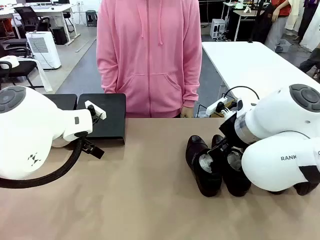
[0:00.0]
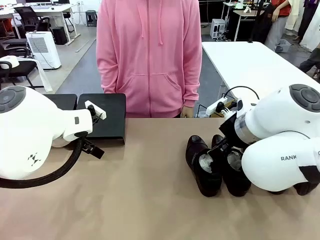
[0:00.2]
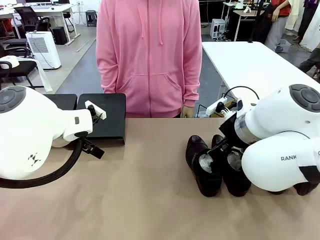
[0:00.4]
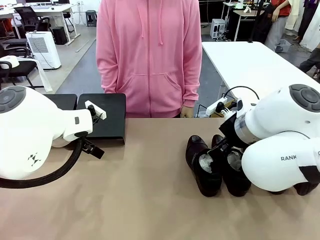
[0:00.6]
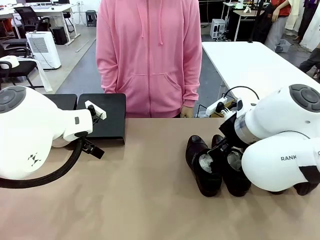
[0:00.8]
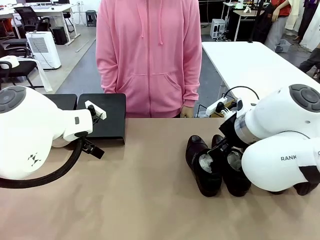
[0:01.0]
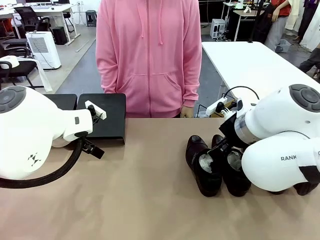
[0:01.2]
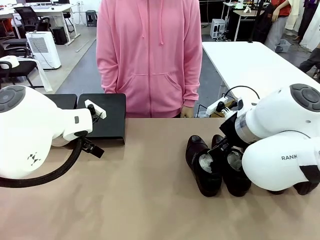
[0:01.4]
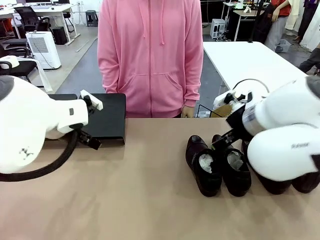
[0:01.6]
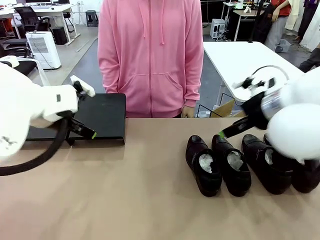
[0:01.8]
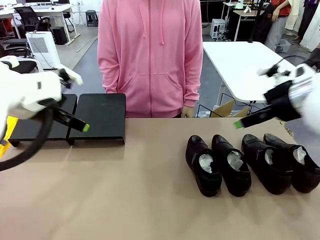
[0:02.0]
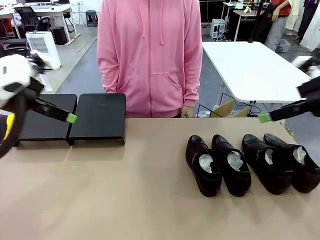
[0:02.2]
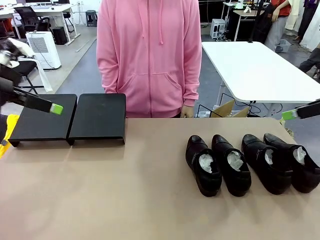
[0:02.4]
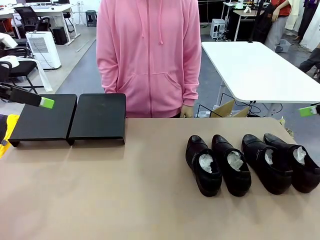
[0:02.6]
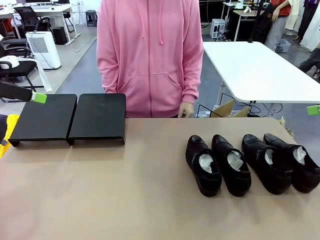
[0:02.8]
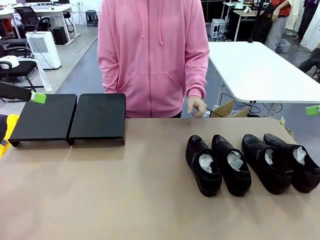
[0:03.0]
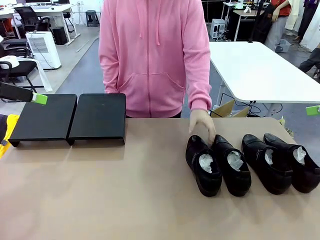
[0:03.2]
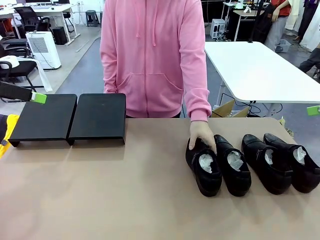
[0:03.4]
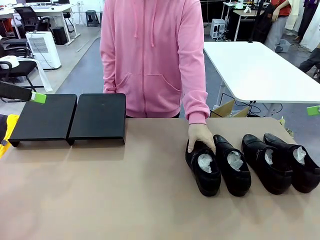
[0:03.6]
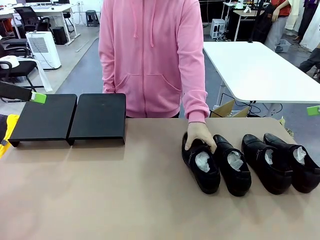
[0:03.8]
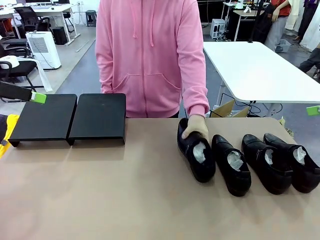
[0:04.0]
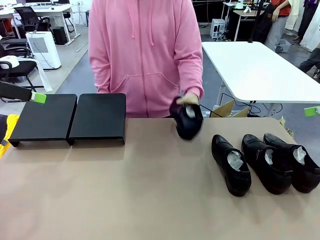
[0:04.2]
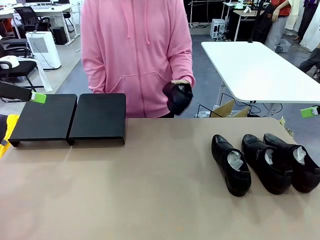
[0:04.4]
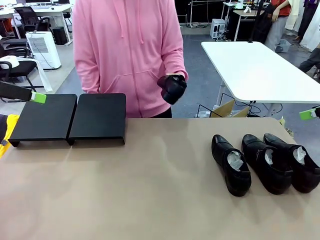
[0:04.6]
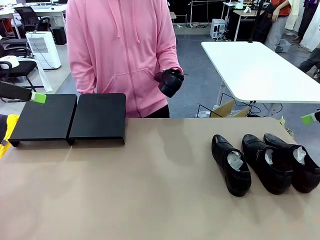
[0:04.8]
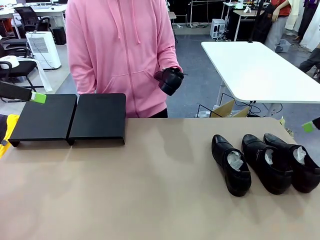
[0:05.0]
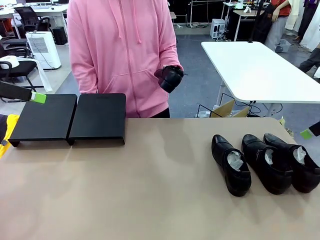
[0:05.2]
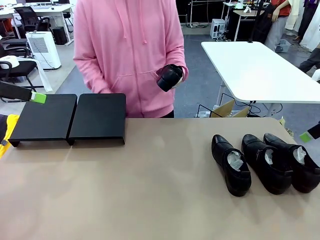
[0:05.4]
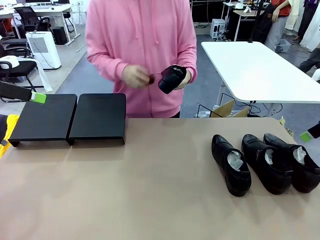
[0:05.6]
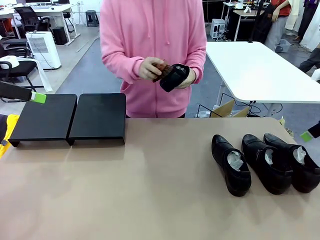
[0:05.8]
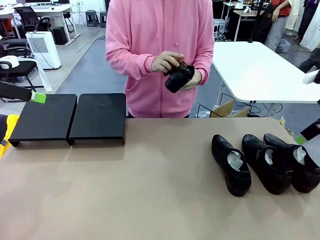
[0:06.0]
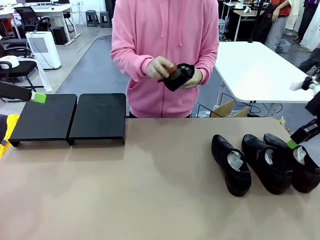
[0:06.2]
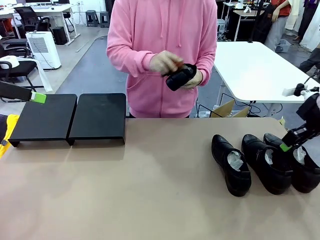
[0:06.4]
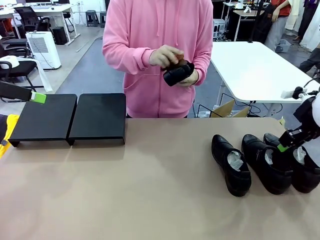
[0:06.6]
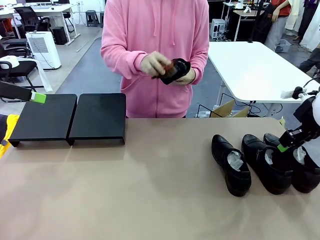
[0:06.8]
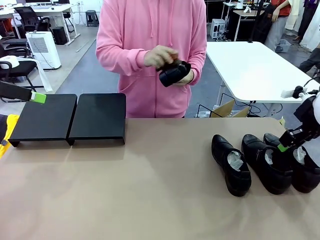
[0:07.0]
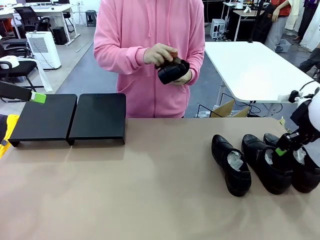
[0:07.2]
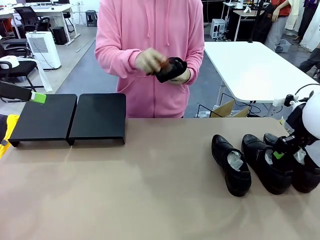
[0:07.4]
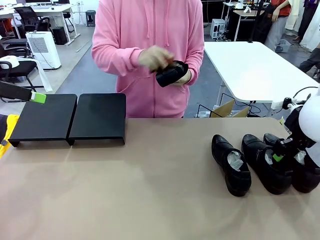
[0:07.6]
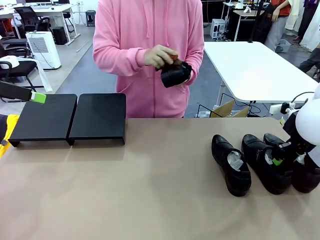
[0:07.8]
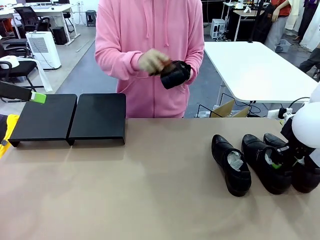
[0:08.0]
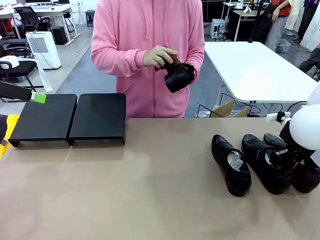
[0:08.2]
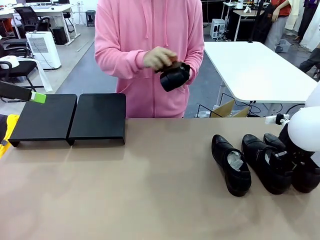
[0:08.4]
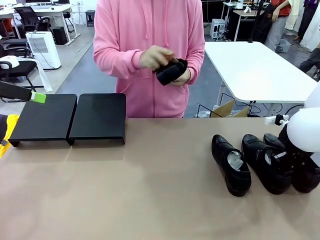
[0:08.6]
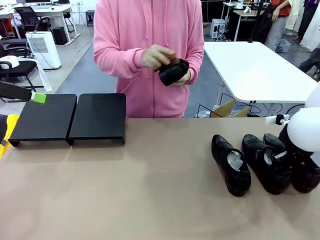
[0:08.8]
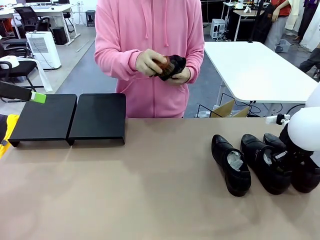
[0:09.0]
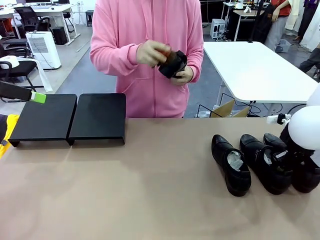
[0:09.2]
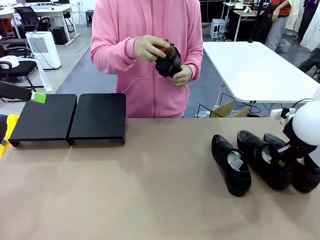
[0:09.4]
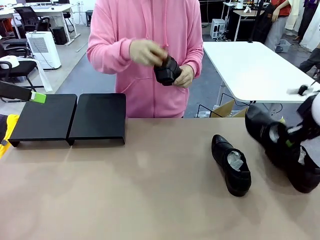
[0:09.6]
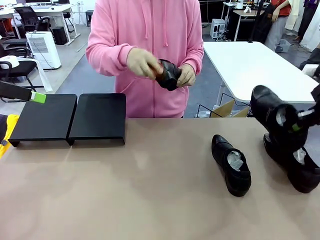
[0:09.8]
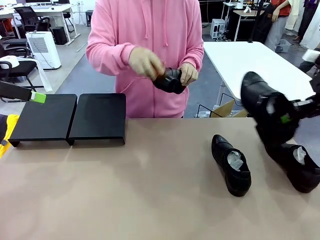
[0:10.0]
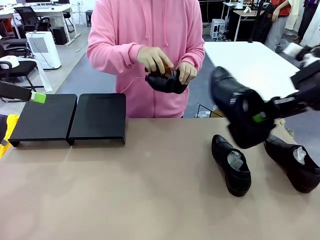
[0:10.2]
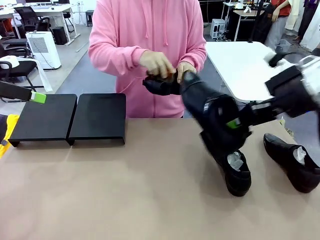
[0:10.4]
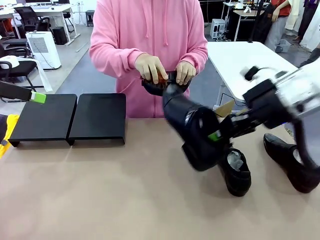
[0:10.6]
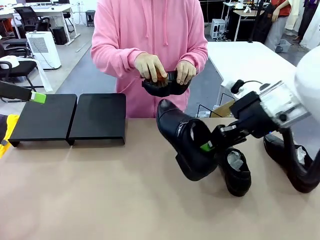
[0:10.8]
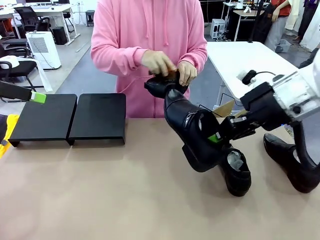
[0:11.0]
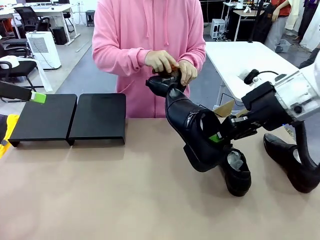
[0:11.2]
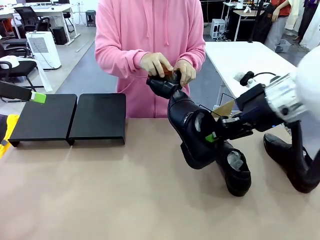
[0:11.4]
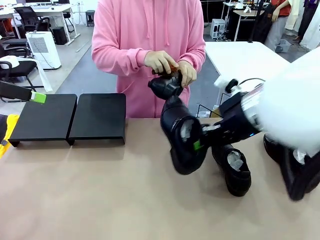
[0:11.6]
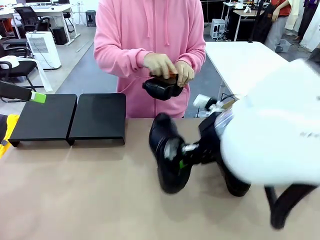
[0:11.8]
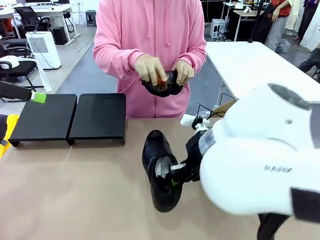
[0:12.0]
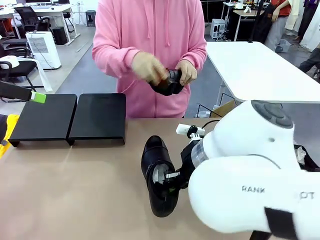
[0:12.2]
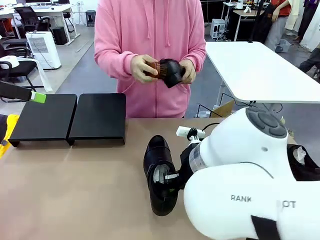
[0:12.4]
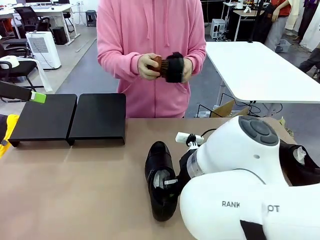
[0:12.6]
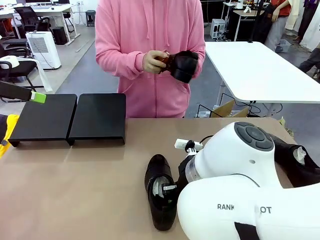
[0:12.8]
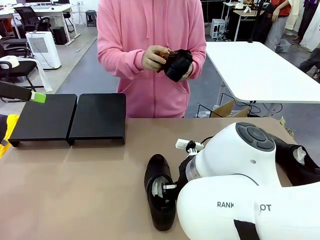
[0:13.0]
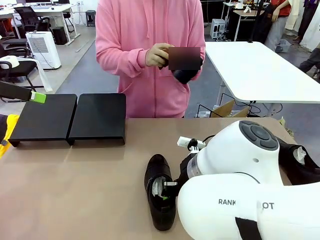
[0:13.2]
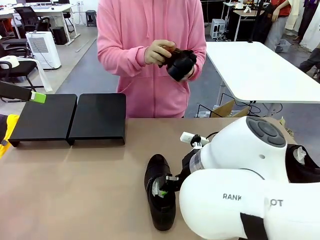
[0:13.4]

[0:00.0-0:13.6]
Task: Organize the shoes by placing them on the stand.
Robot: Pick up one Shoe and place it in the middle of the table.
Person: Pick one Shoe on Robot's table. Clean the Shoe with the Shoe Brush.

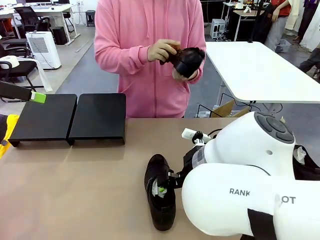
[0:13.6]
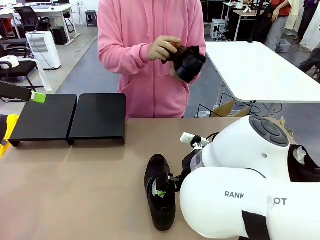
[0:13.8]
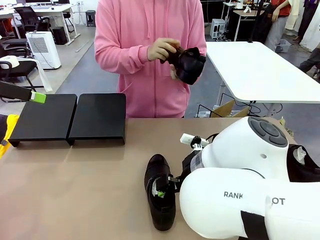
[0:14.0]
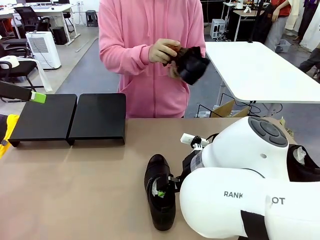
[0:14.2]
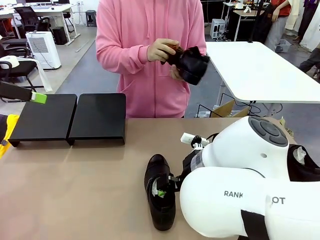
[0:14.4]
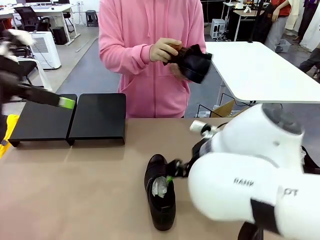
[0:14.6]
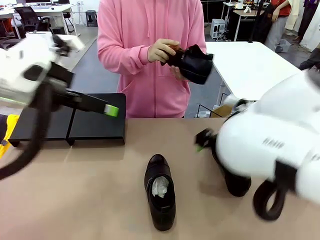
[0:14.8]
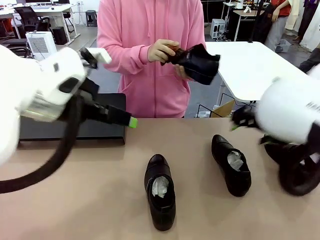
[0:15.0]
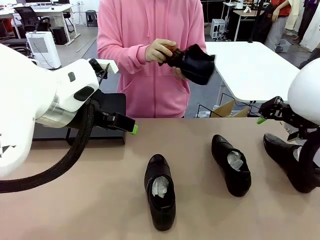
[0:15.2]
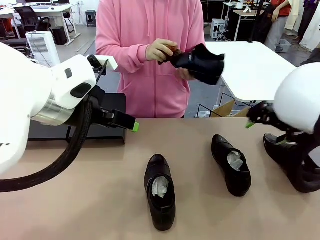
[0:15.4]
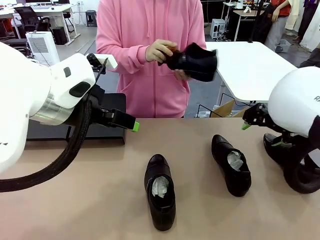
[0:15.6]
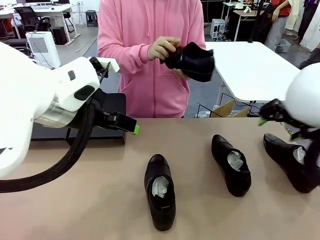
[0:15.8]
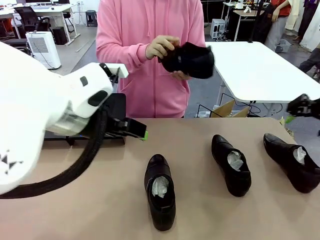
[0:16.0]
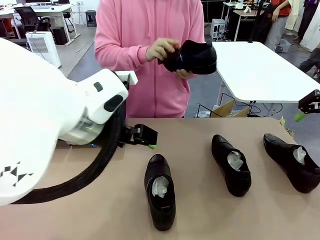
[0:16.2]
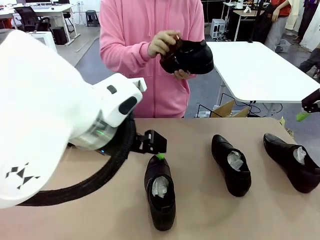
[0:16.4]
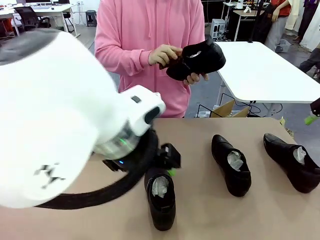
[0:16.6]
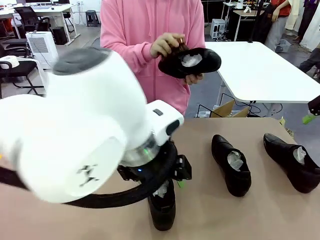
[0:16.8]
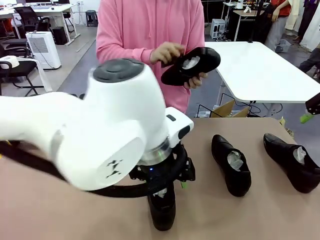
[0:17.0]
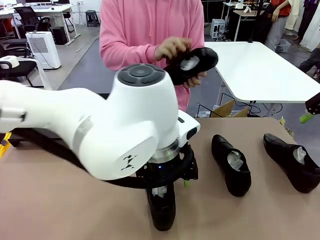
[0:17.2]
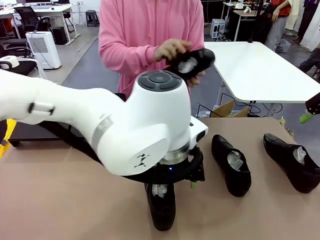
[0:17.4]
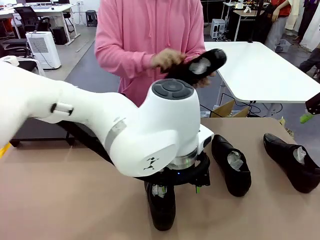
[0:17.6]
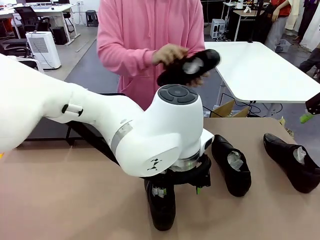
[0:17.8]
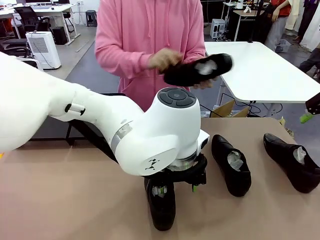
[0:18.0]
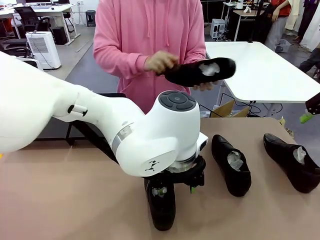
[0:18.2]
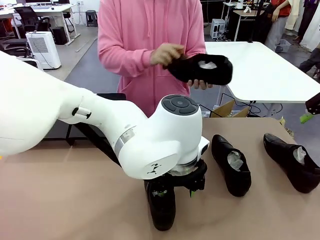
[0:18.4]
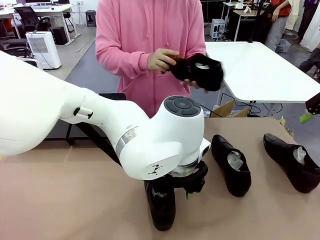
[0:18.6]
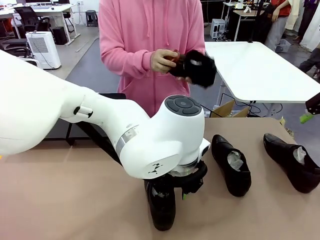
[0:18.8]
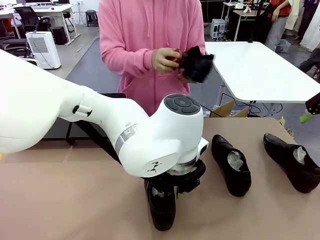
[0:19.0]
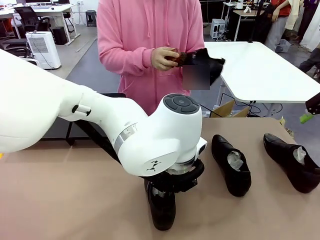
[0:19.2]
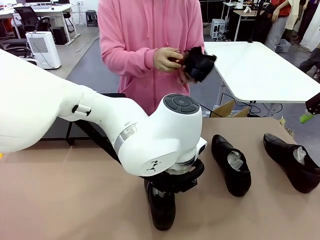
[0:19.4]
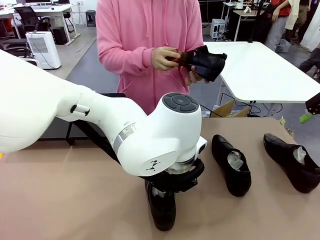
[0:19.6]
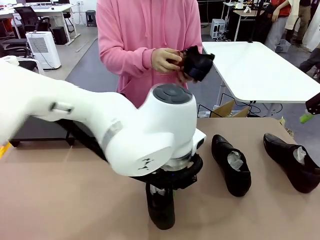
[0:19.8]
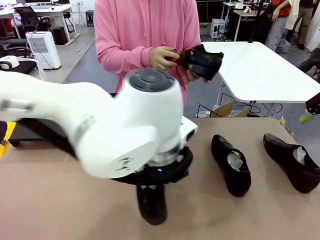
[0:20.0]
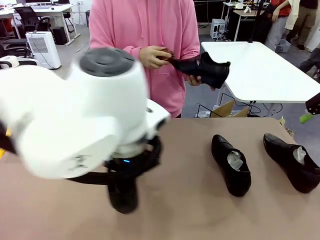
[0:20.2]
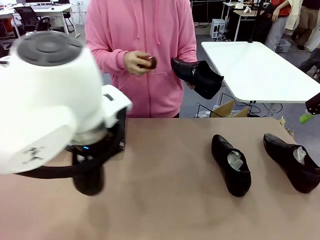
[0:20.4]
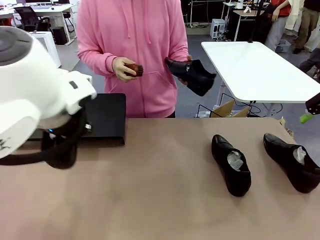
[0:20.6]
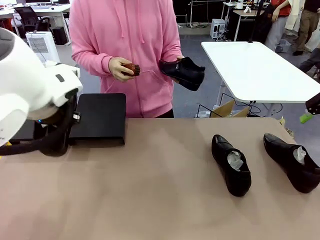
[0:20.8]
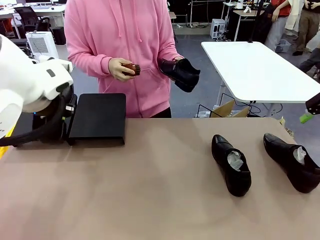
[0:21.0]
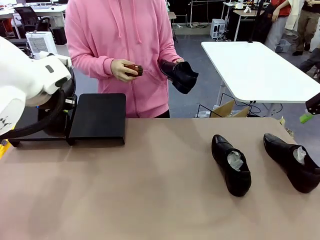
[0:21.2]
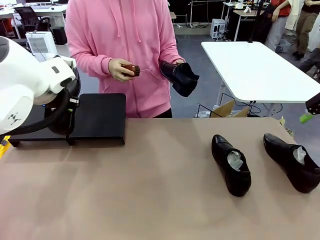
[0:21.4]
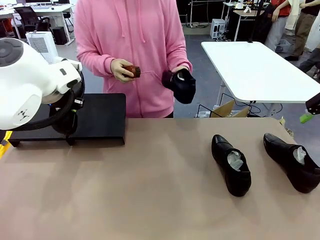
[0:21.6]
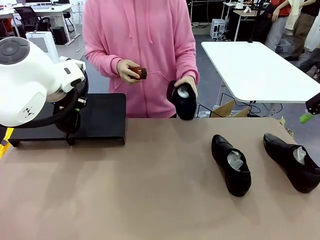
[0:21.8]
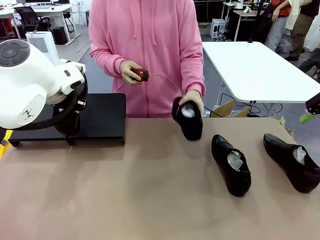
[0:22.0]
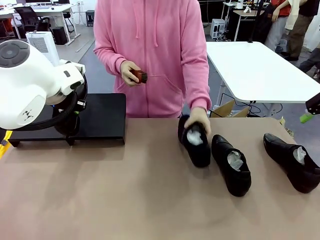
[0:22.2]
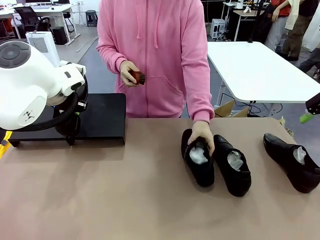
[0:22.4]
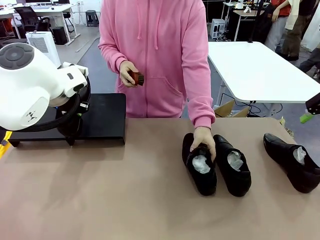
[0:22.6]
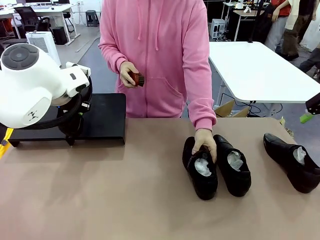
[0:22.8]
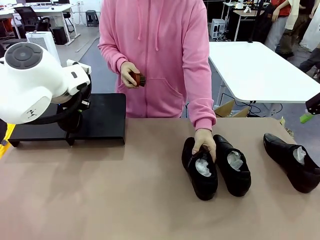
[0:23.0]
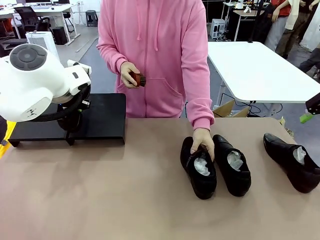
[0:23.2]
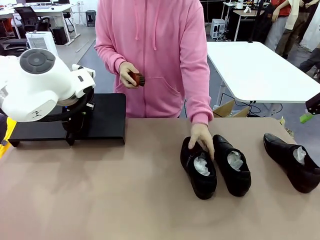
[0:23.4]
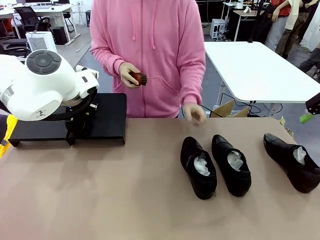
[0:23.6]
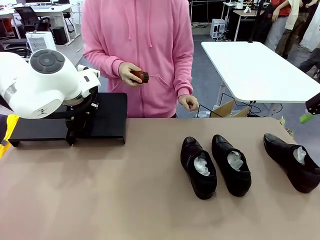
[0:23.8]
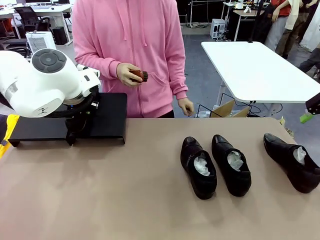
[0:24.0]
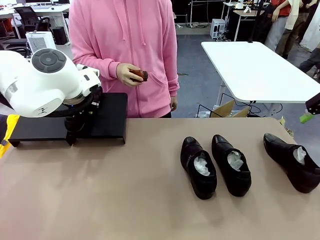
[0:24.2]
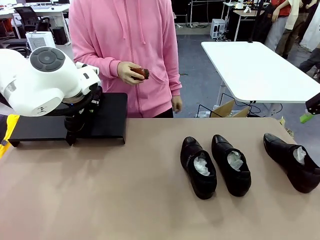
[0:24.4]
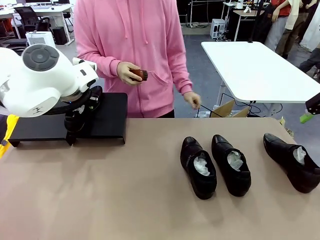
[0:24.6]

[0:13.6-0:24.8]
Robot: Place the Shoe from the middle of the table onto the Shoes Stand.
Person: Place the Shoe on left side of the Robot's table.
